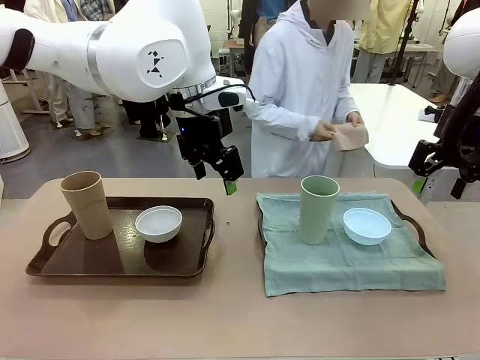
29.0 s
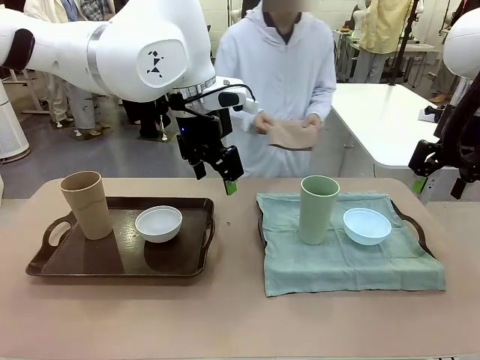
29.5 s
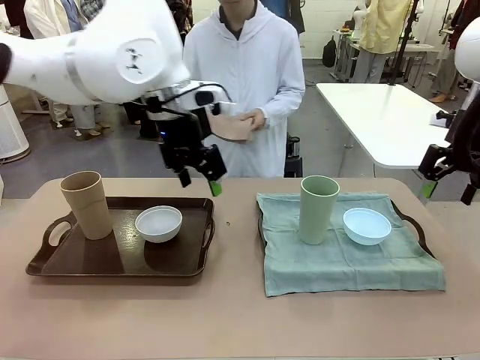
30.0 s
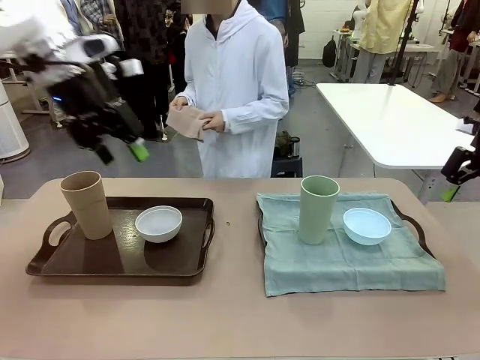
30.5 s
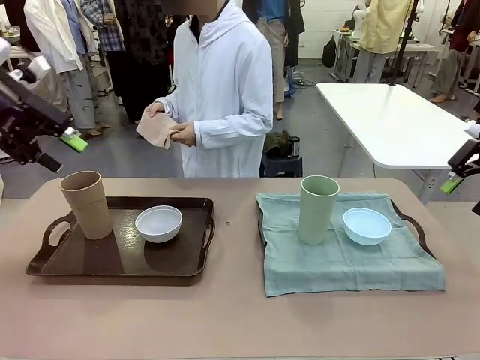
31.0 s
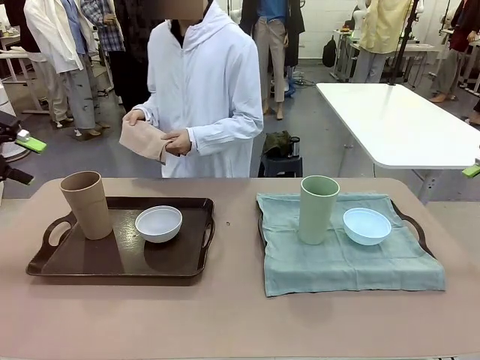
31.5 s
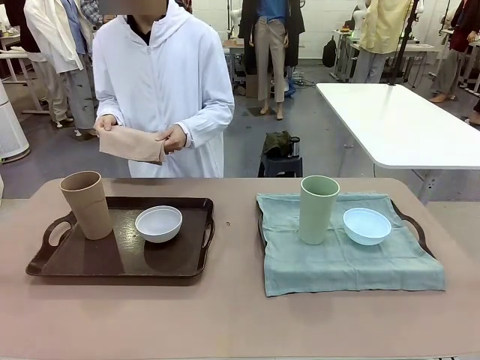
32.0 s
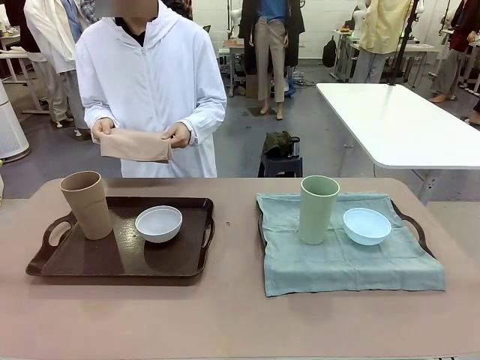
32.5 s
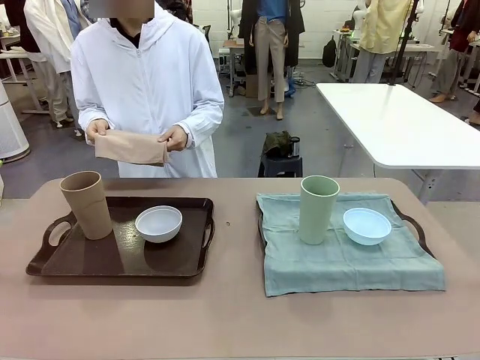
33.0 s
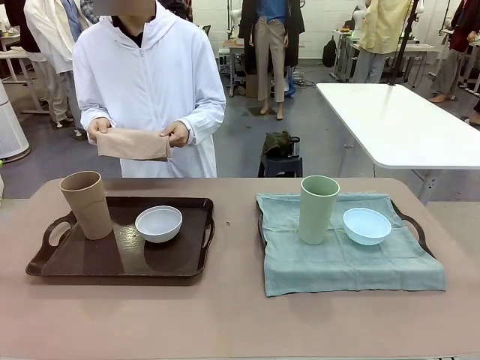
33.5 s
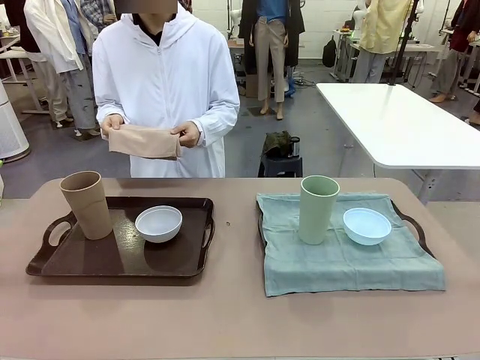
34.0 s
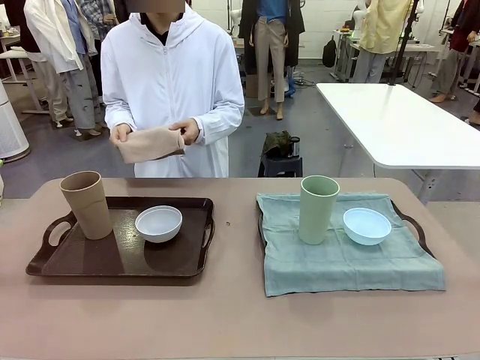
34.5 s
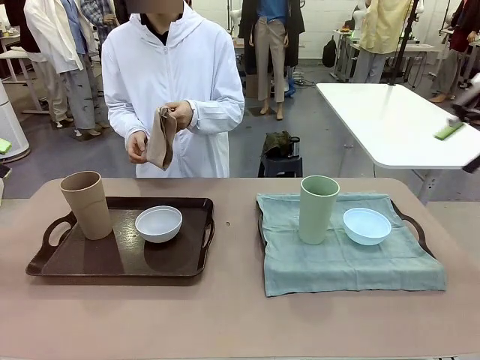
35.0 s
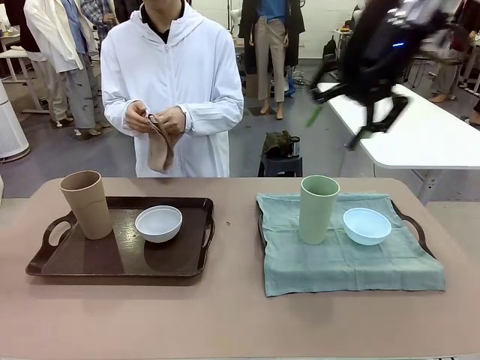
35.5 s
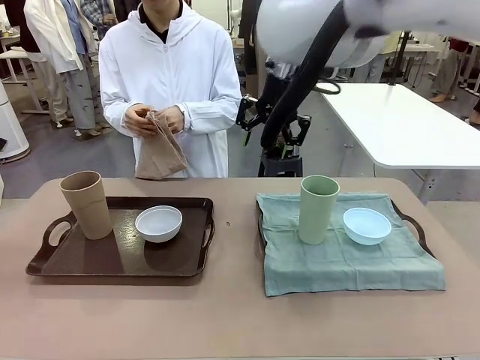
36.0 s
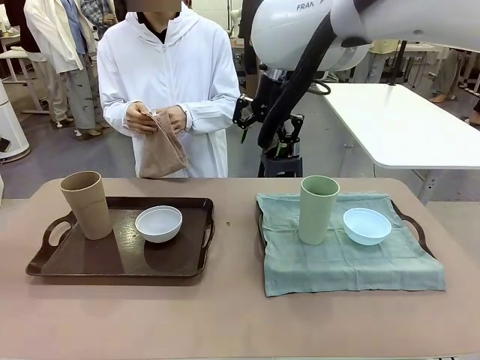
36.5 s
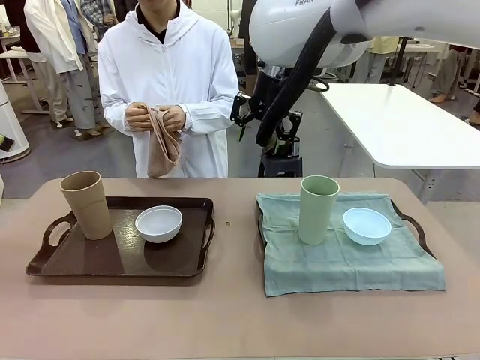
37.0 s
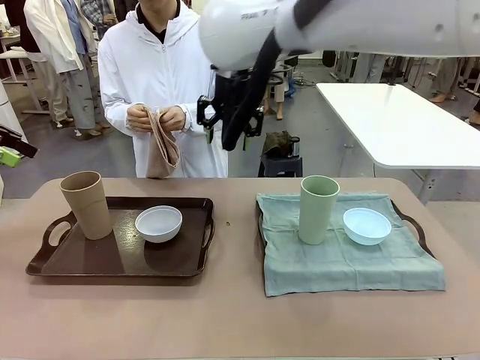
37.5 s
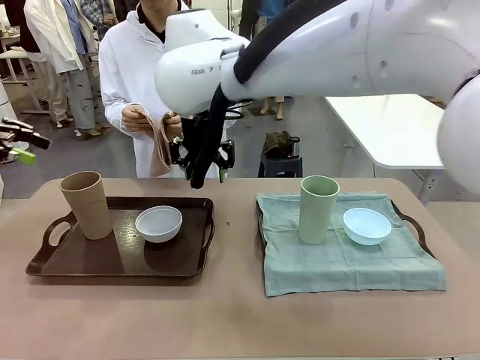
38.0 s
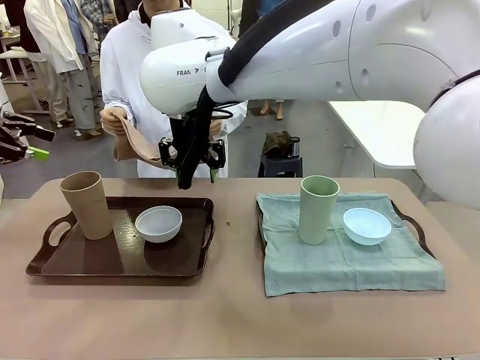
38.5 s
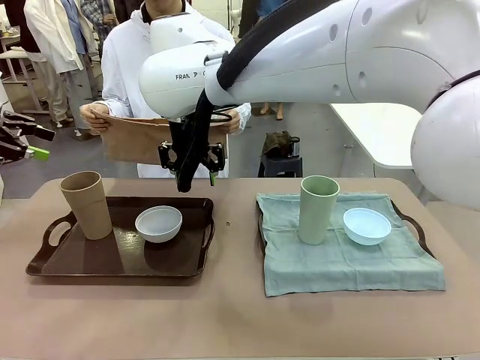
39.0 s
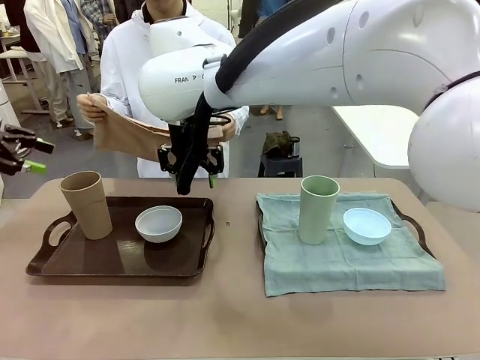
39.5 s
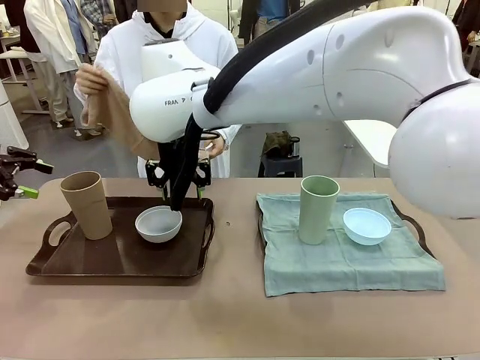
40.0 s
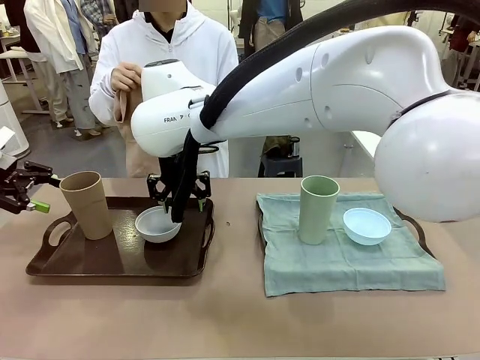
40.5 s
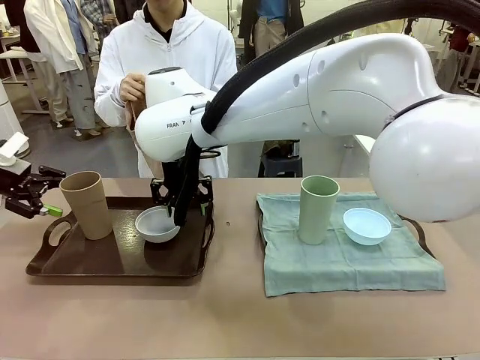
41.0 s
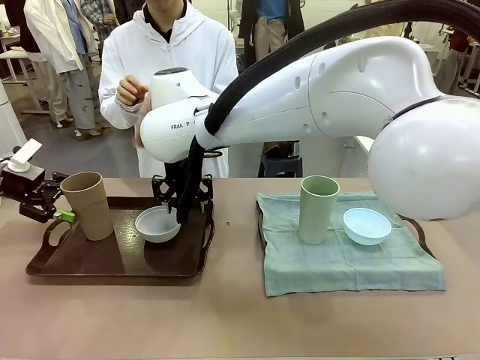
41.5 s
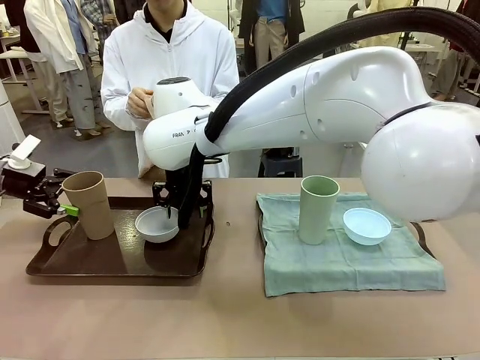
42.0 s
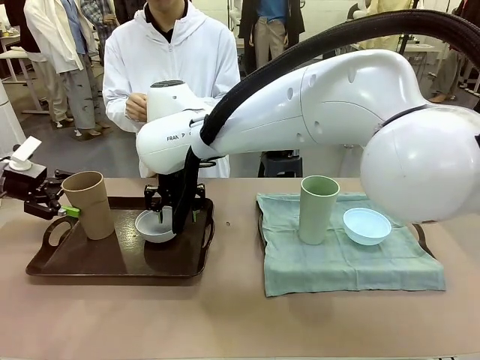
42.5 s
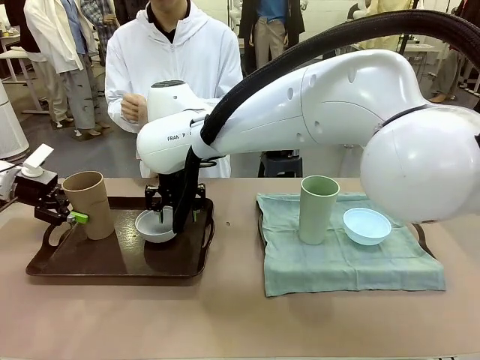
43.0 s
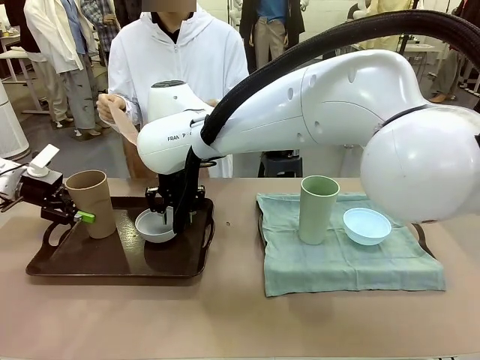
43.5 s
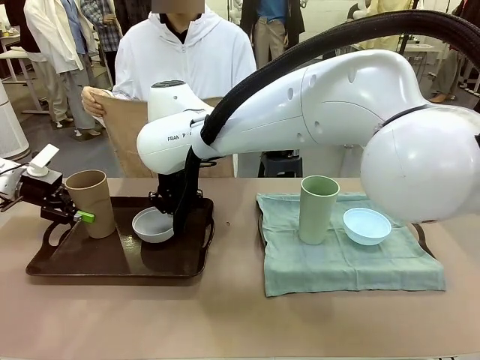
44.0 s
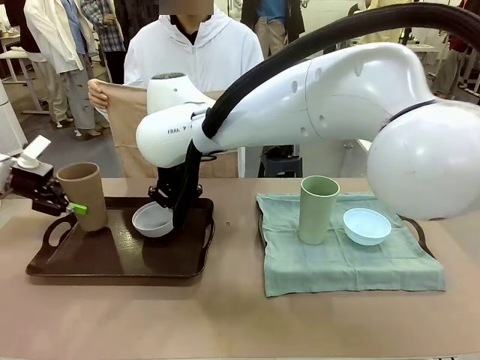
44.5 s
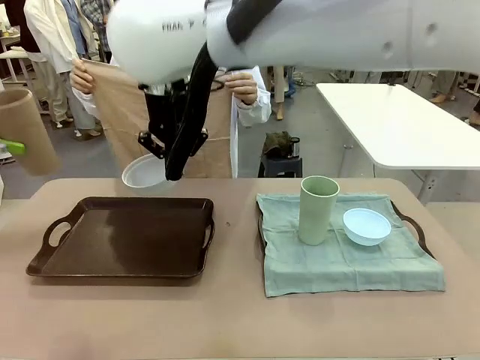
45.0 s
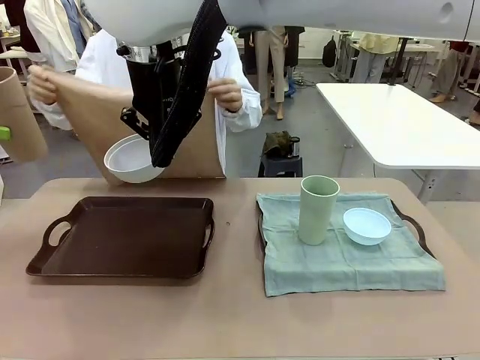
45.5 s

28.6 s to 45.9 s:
Robot: Pick up the Picnic Bowl and Reusable plastic cup from the Handle tray in front of the human's position and hold them in the air.

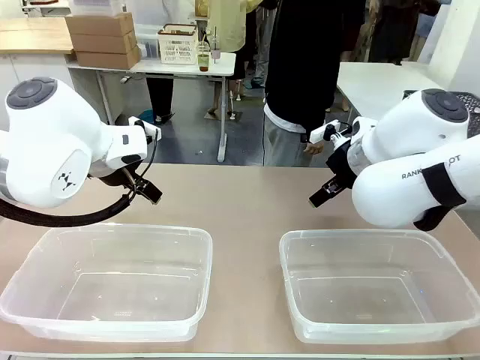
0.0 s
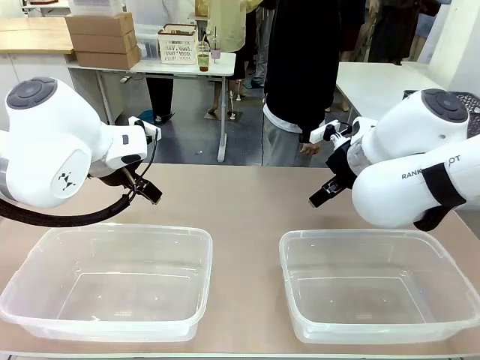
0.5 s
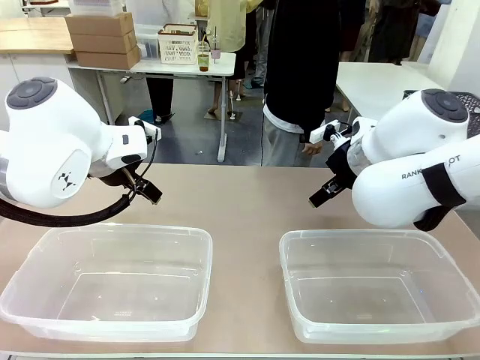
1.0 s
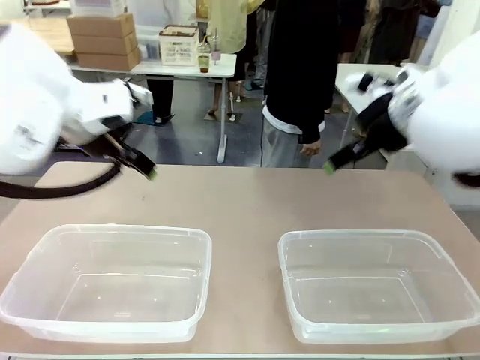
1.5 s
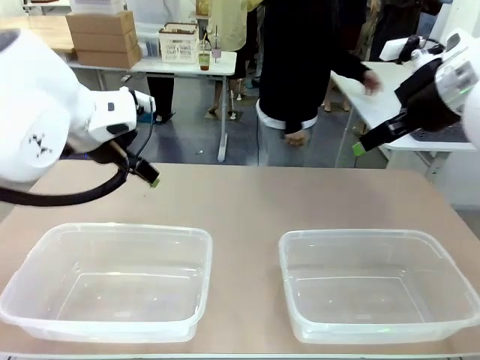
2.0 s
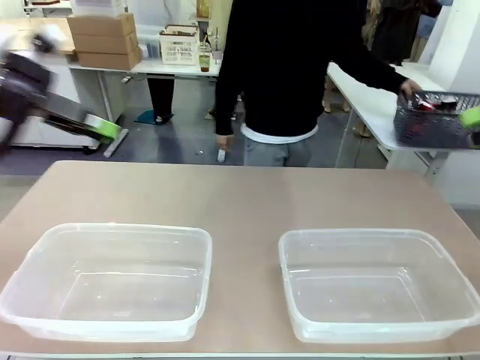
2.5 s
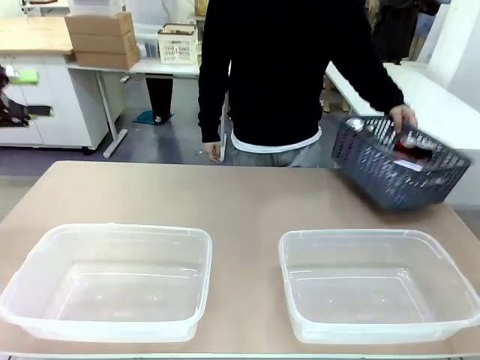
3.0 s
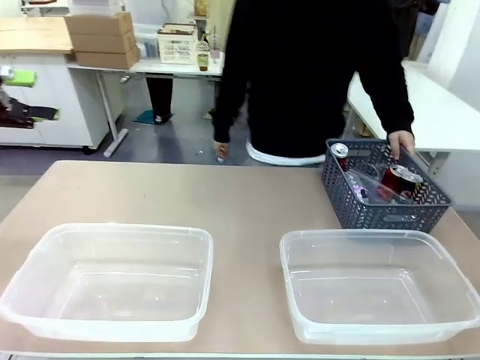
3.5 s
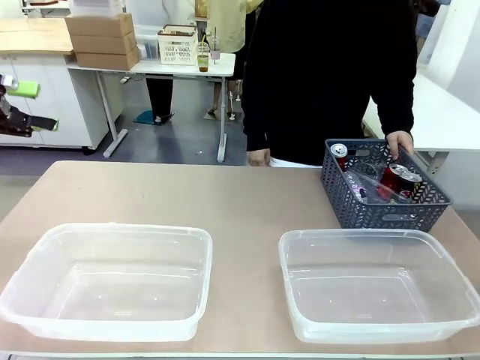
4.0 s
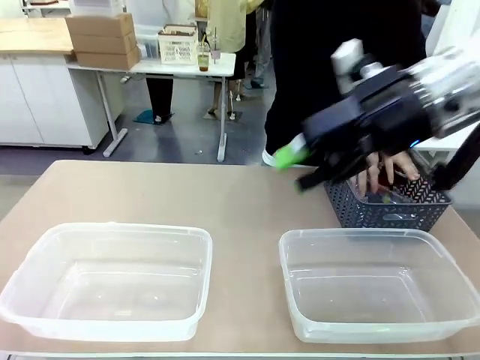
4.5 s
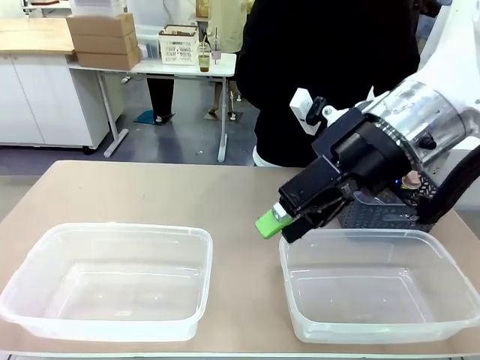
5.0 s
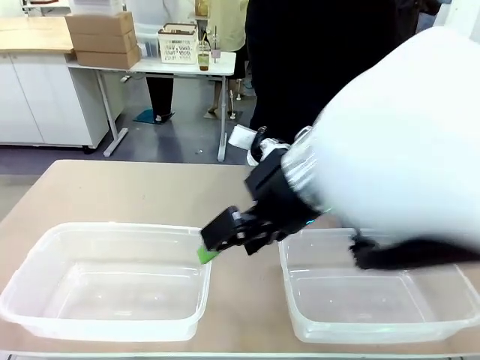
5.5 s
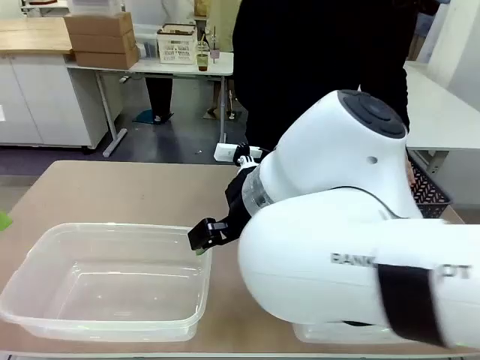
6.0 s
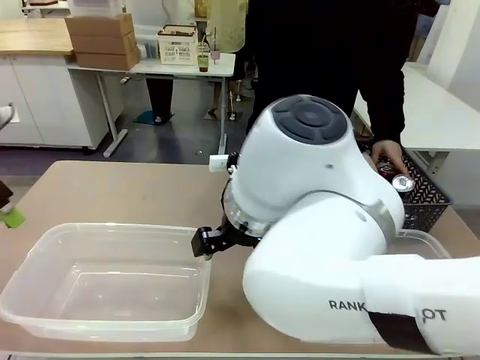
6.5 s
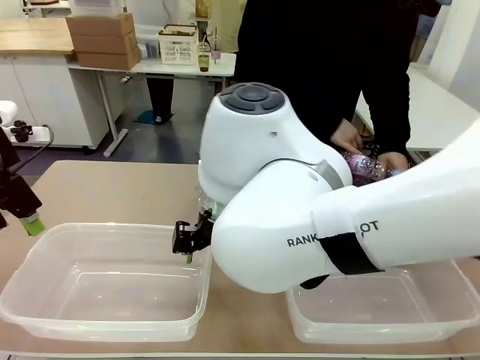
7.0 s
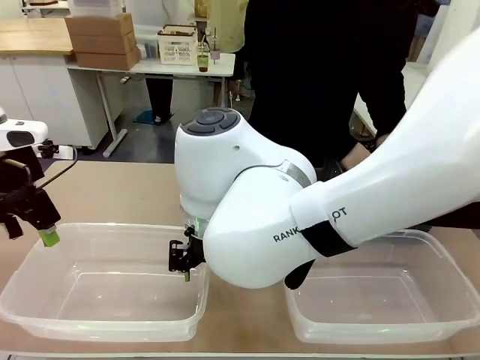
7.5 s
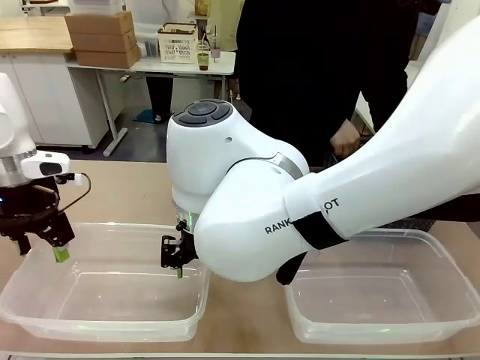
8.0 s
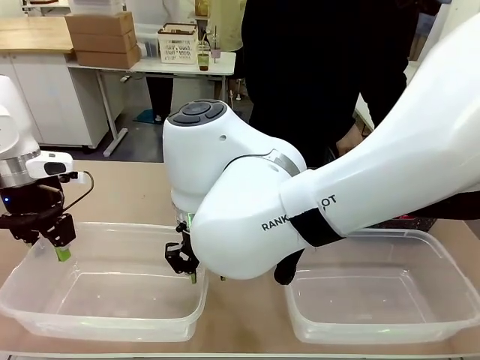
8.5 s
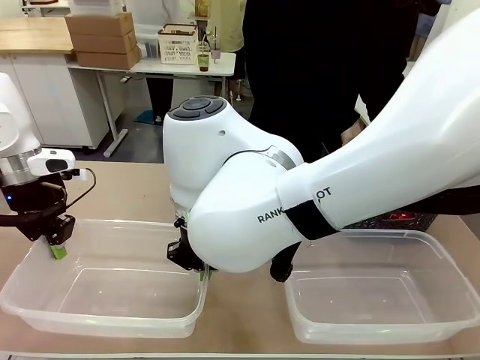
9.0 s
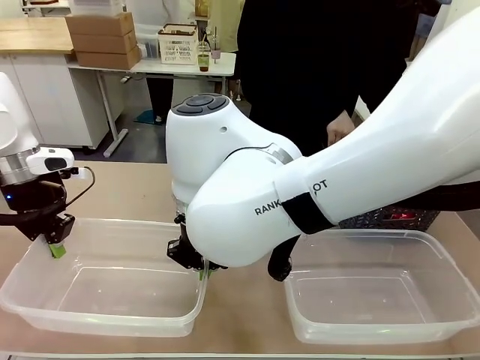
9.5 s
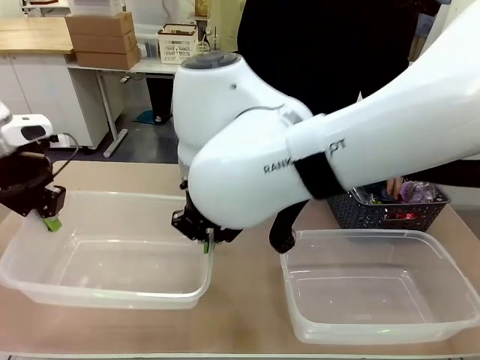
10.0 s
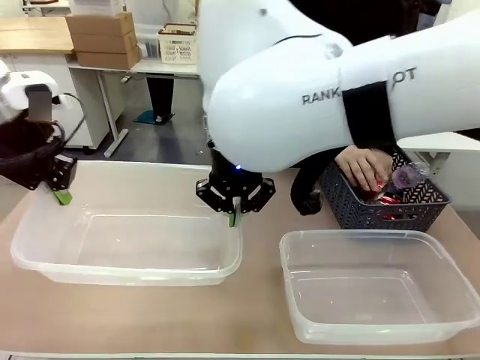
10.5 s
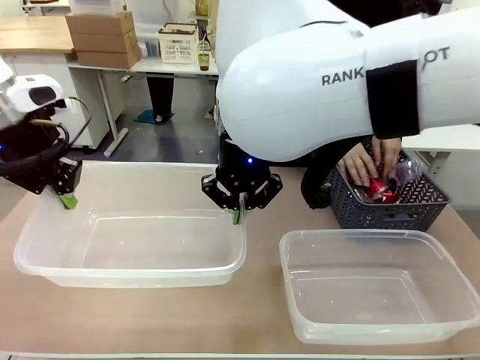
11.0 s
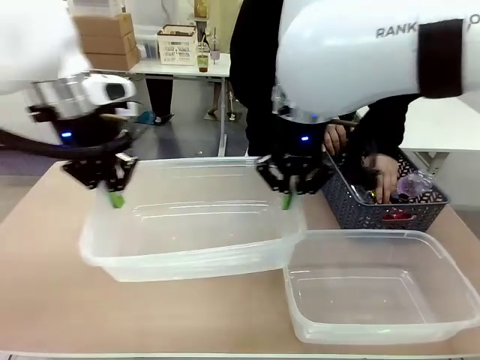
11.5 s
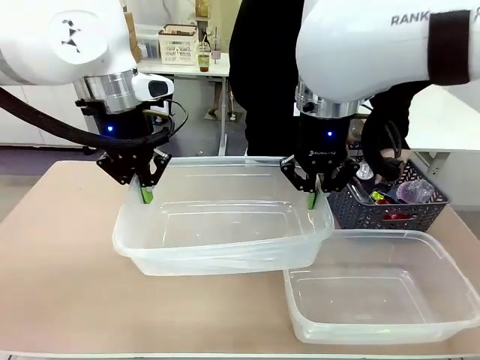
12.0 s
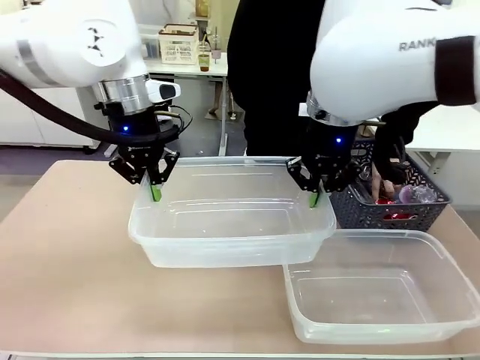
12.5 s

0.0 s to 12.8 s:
Robot: Pick up the Organizing box on the left side of the table and lift it.
Person: Pick up the storage basket and place it on the left side of the robot table. Pick up can-shaped waste one by one and place it into the organizing box lifted by the robot.
